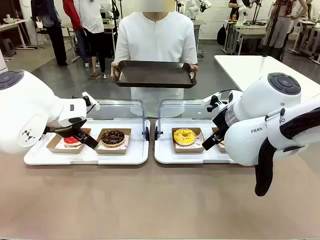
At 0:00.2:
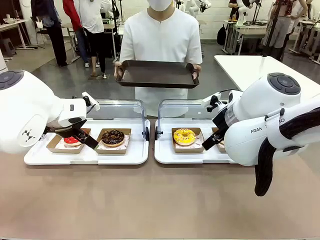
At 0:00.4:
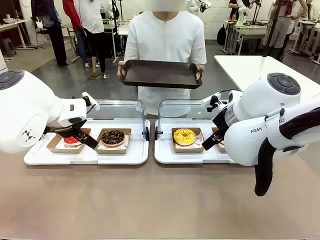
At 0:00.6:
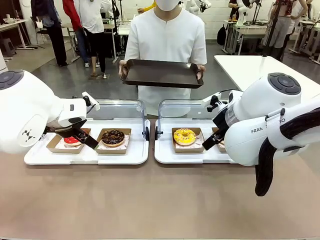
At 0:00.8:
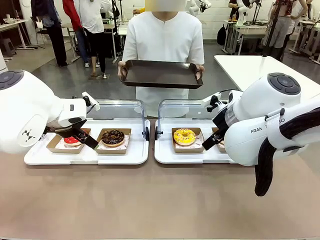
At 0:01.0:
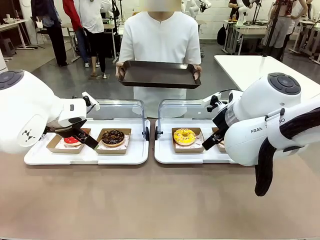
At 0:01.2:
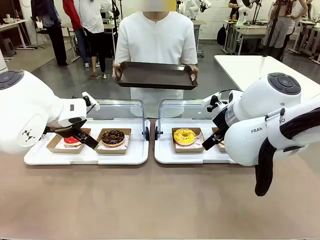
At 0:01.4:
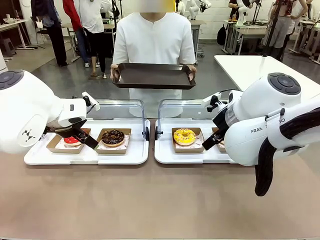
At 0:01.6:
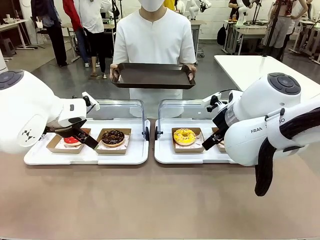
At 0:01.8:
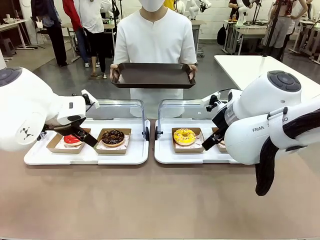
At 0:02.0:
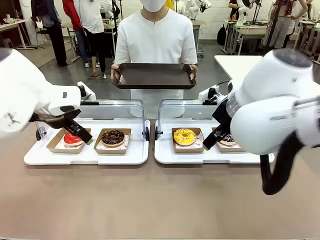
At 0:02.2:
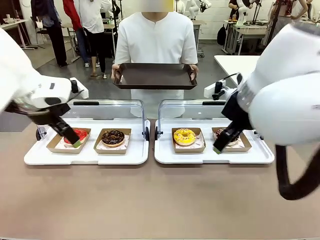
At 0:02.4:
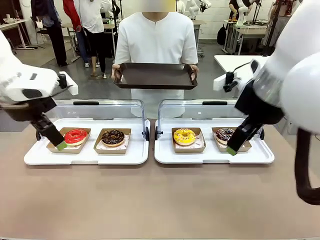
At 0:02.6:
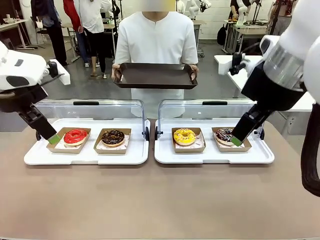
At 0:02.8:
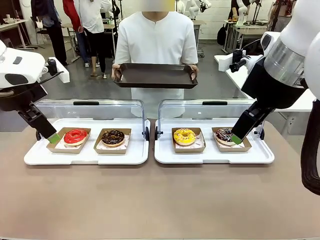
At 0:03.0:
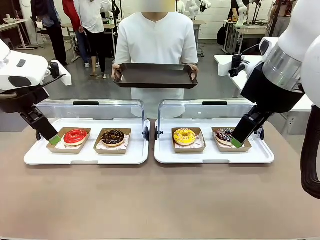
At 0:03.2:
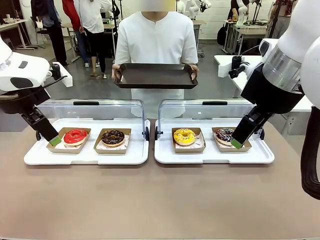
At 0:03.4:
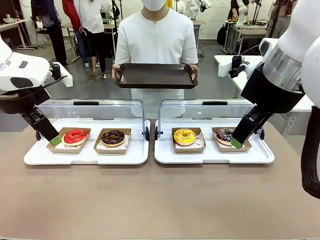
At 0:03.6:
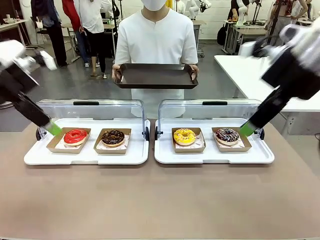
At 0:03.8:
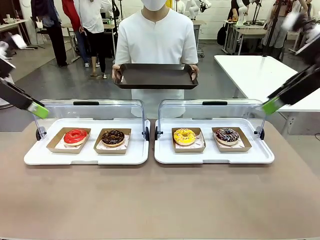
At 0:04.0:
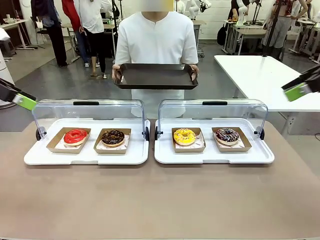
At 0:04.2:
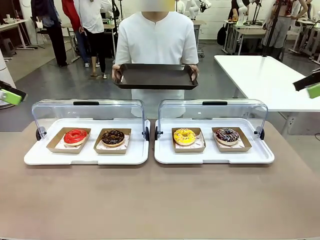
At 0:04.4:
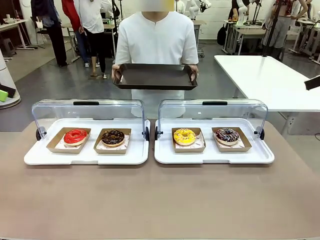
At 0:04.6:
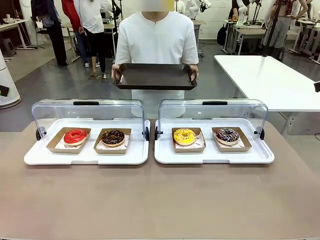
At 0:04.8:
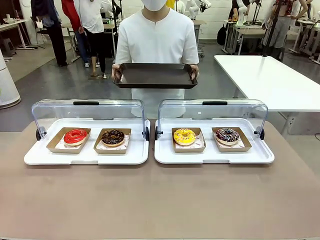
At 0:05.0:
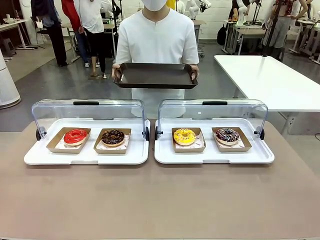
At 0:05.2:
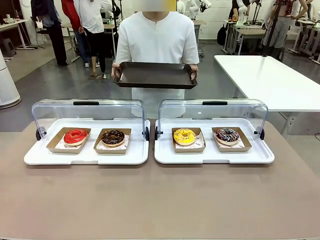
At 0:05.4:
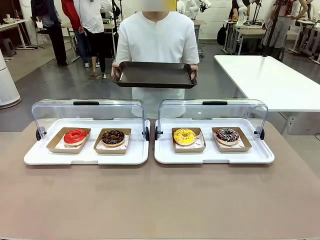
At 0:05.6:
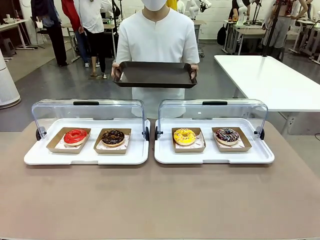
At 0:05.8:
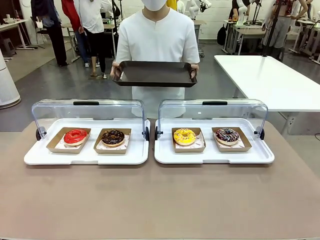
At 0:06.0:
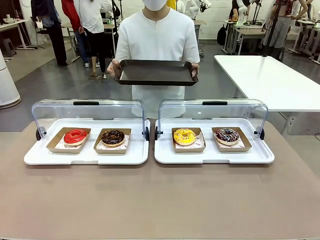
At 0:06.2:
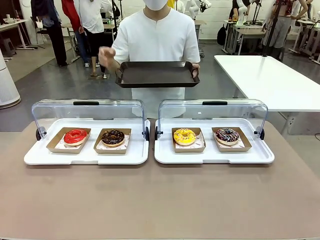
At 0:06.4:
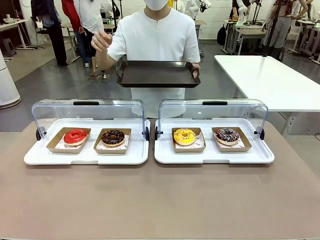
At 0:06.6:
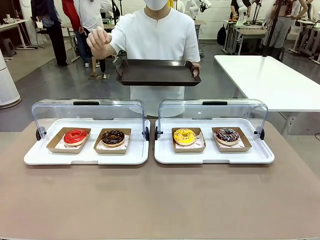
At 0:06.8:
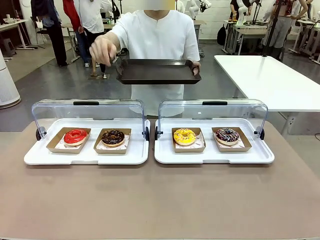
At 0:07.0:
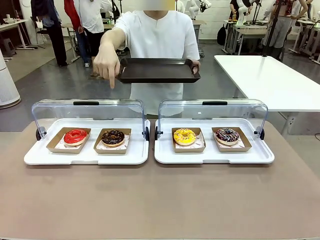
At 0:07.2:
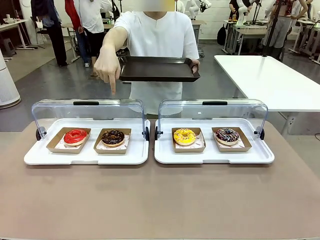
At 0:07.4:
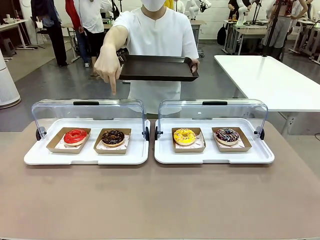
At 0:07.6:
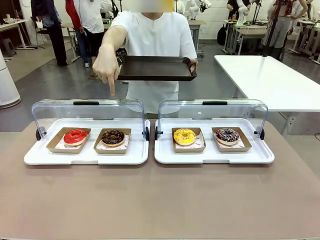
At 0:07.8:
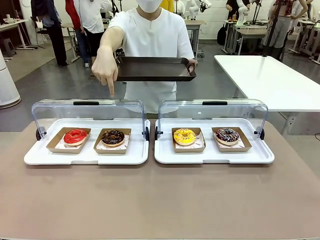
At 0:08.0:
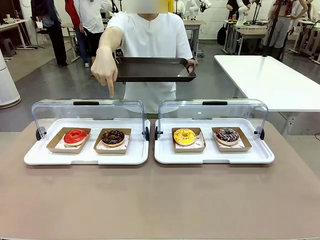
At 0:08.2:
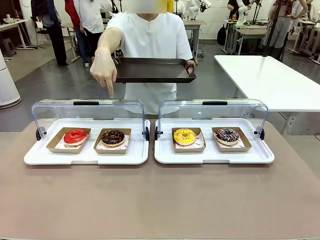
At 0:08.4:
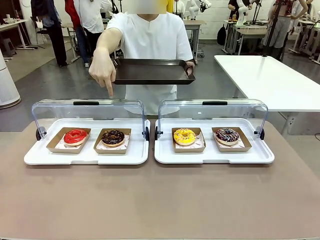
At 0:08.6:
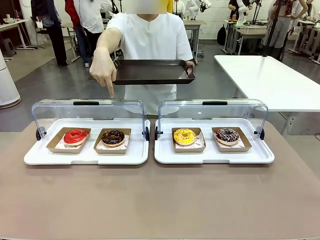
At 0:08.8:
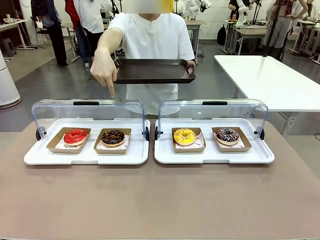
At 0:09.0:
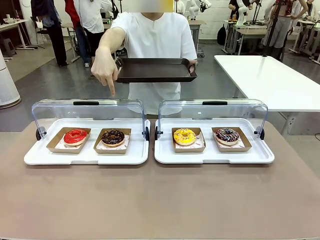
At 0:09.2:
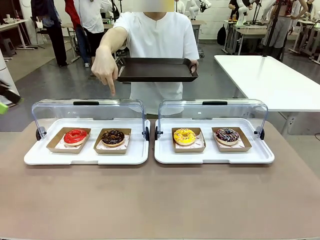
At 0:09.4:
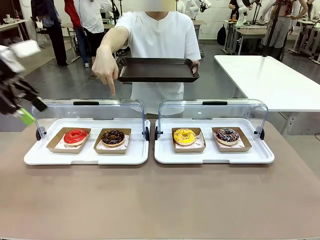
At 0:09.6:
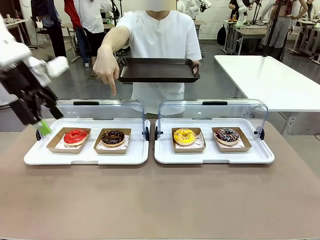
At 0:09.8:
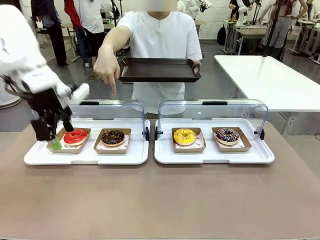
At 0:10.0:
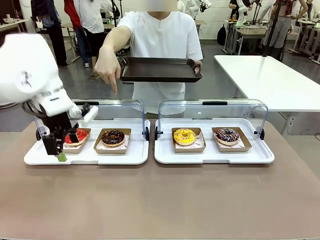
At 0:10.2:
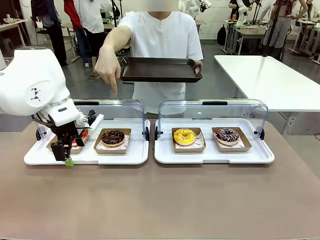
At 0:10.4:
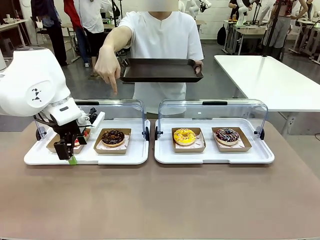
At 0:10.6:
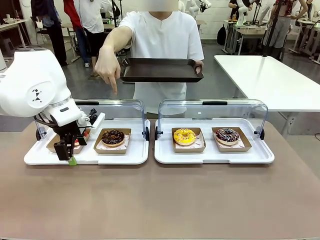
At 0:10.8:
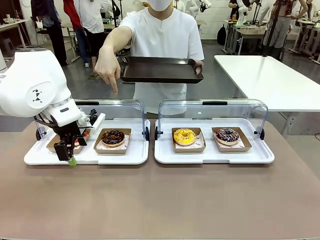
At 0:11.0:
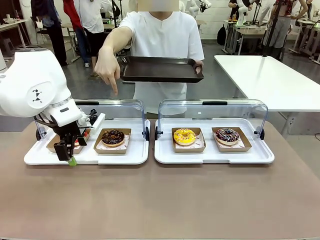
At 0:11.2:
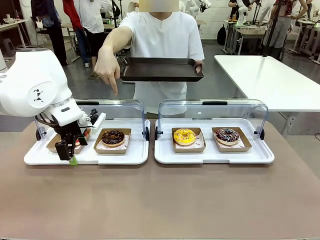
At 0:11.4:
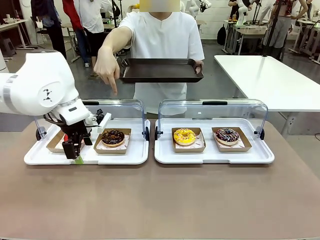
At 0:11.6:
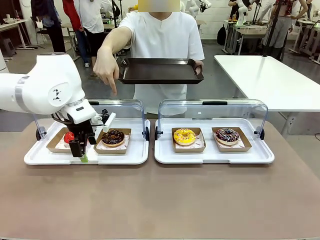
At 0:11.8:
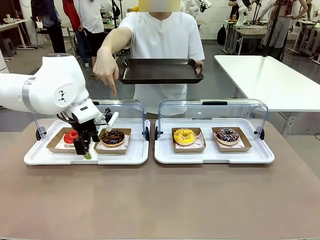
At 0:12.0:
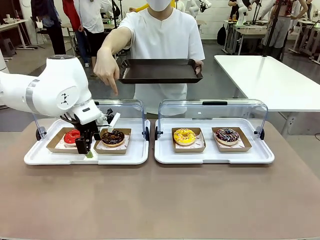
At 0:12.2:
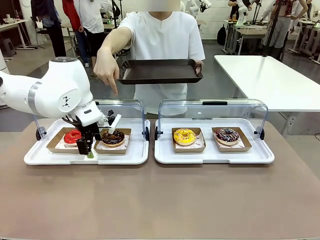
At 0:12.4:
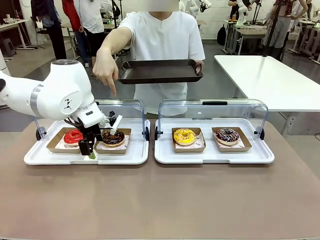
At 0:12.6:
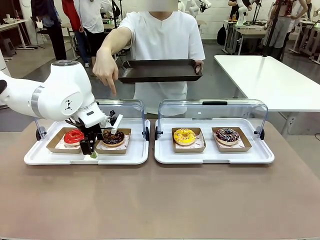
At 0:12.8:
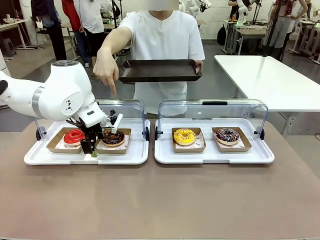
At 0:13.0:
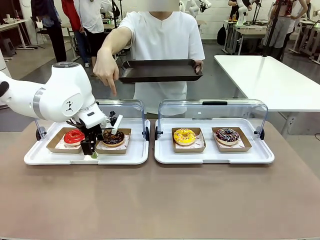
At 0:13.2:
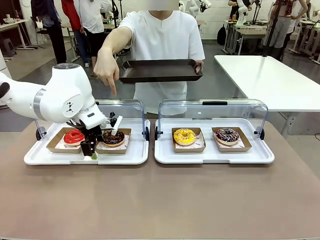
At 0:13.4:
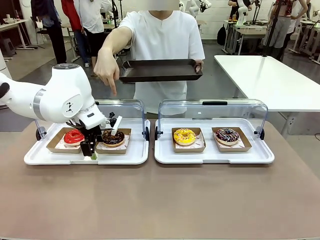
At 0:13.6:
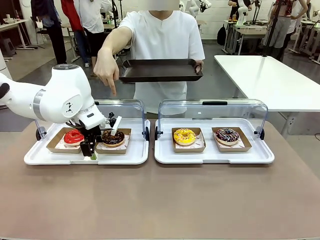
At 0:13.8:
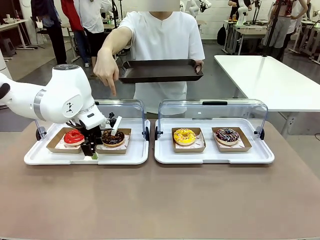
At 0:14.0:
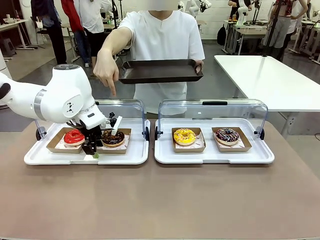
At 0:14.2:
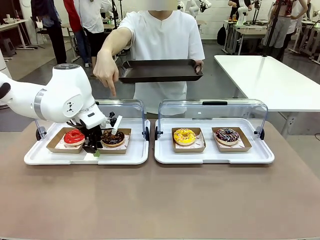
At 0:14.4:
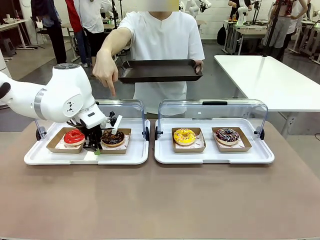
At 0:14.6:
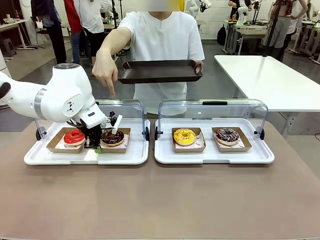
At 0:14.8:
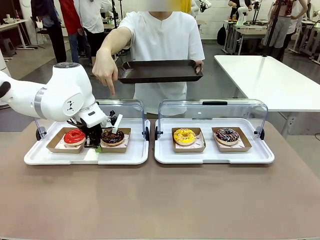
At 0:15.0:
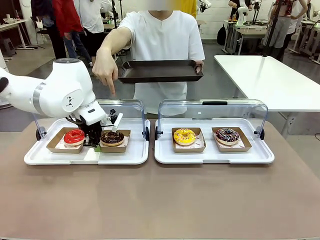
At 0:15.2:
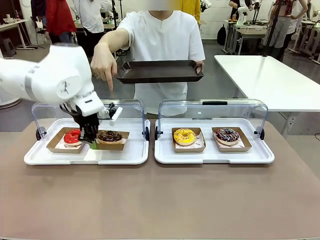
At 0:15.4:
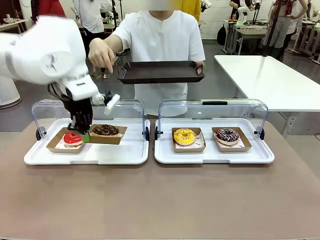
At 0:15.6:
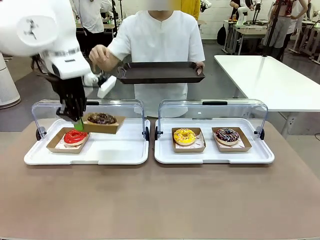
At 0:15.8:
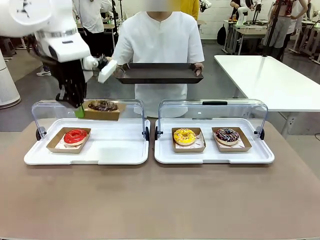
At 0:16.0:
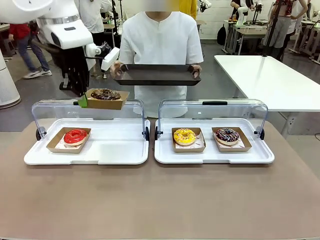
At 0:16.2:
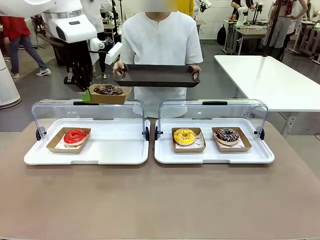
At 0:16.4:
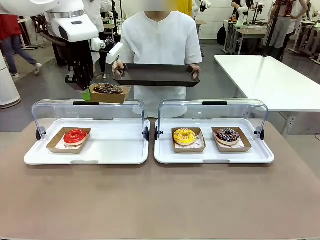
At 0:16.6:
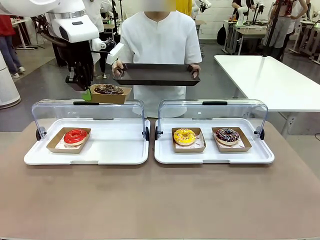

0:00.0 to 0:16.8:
Task: Provide the desired donut to the person.
Robot: Pick up and lift the Paper togo box containing the Donut pointed at by the person.
Person: Point to one donut. Lift the tray onto the Roll-Top Bakery Case.

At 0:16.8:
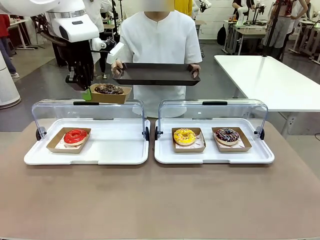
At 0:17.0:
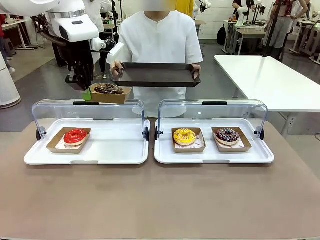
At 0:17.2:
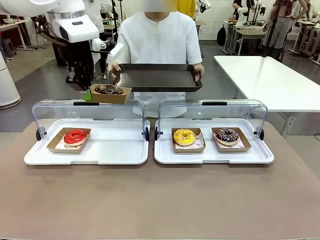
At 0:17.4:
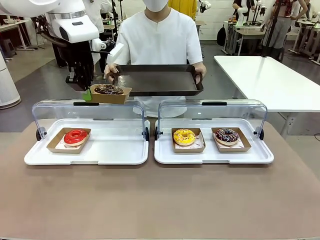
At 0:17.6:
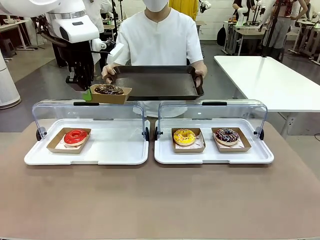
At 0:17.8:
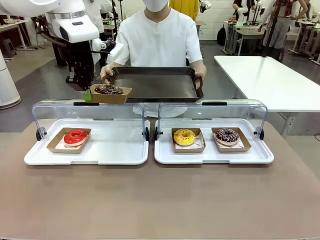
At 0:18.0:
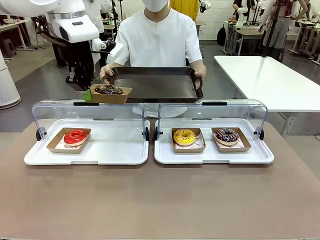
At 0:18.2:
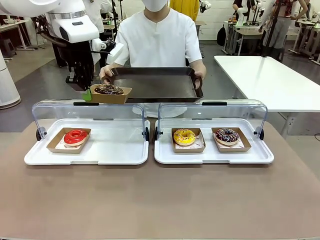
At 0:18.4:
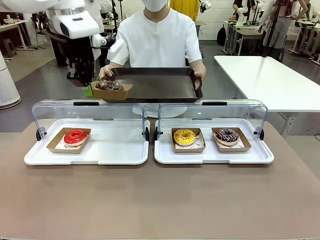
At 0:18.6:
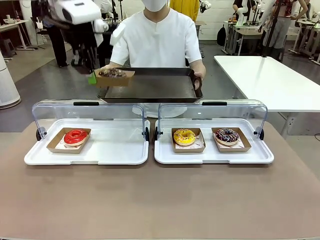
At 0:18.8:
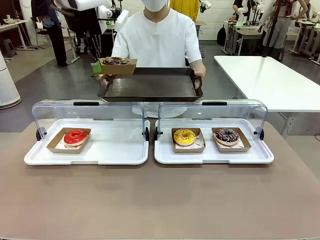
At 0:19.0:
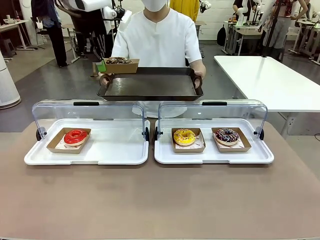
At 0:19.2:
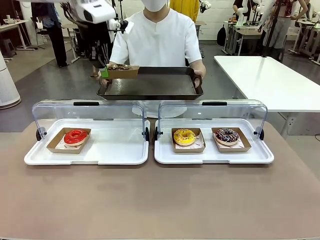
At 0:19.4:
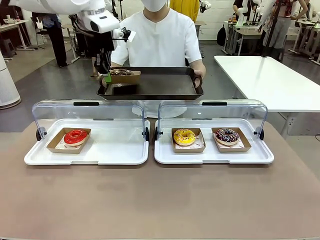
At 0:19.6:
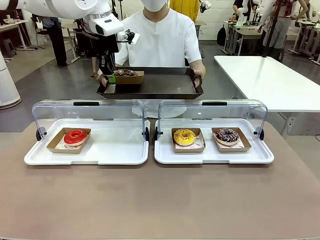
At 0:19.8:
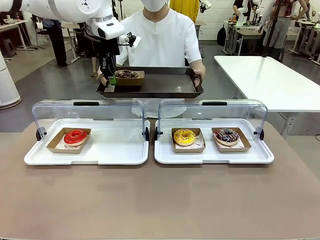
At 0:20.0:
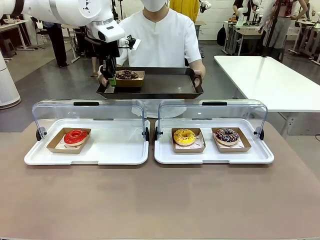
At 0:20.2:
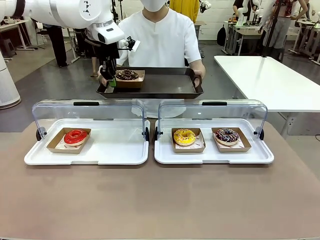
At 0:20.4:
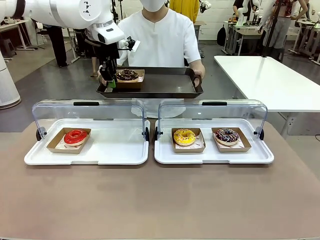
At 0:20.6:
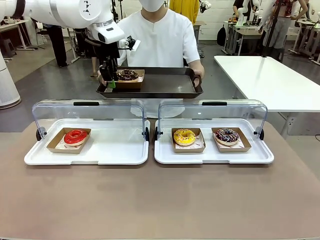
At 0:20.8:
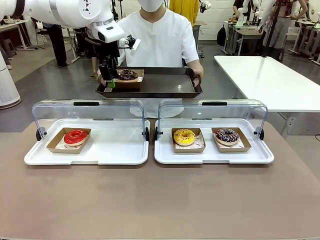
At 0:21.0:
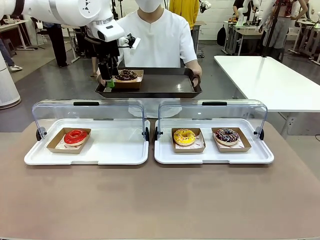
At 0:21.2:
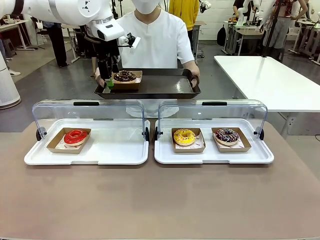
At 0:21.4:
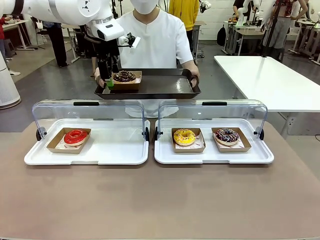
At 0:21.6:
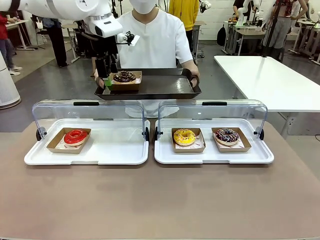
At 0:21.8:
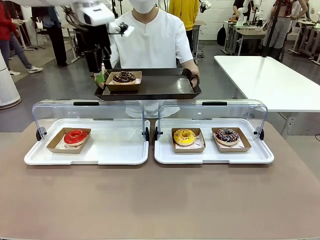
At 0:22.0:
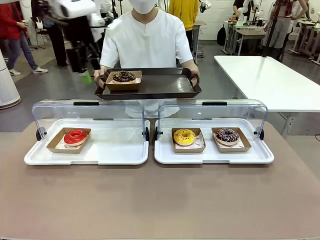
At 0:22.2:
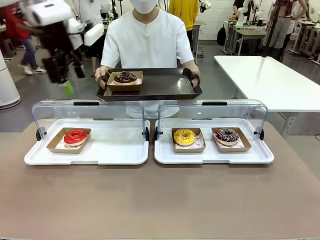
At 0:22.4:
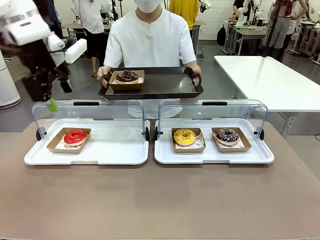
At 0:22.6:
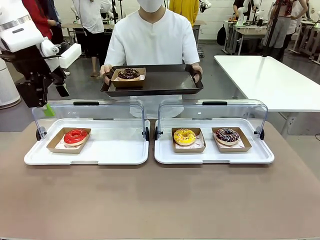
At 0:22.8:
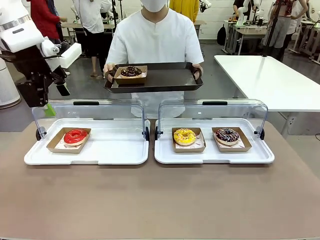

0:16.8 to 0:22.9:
Robot: Place the picked Paper togo box onto the Handle tray extended by the person.
